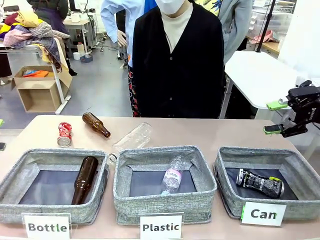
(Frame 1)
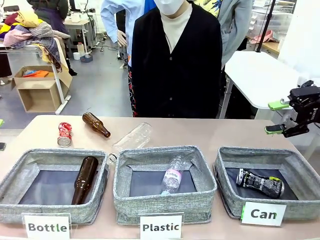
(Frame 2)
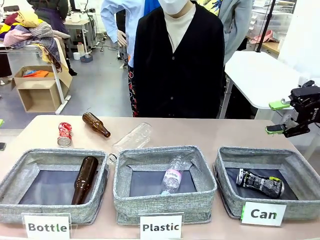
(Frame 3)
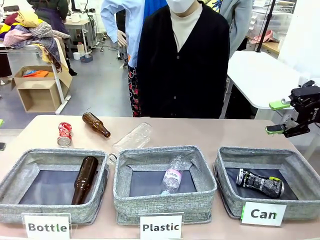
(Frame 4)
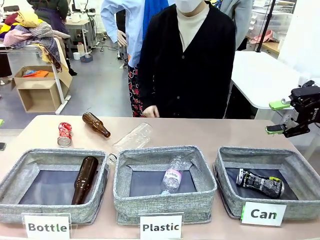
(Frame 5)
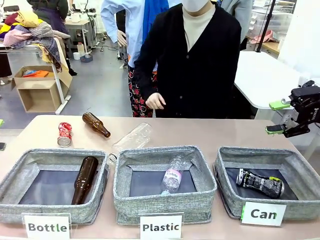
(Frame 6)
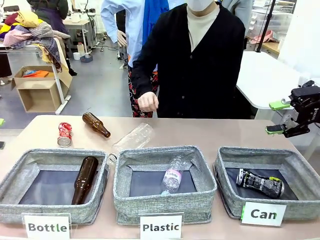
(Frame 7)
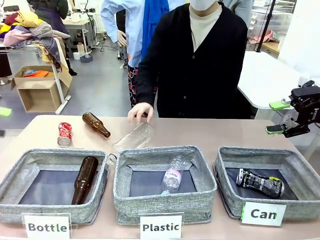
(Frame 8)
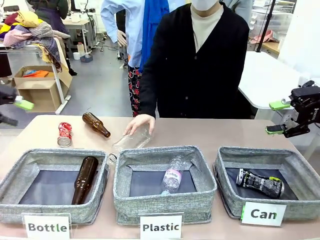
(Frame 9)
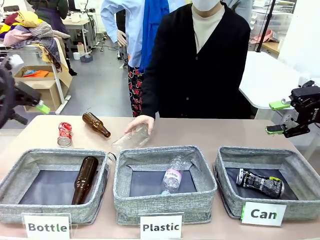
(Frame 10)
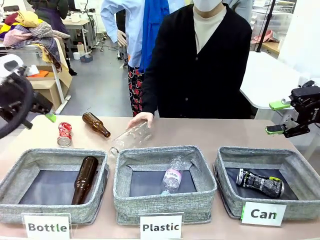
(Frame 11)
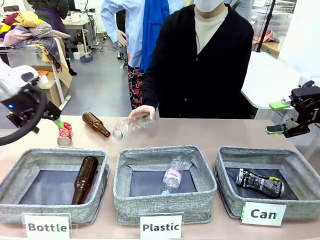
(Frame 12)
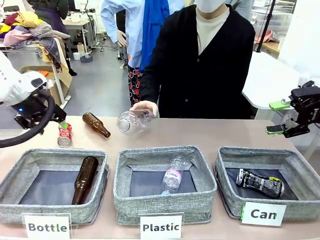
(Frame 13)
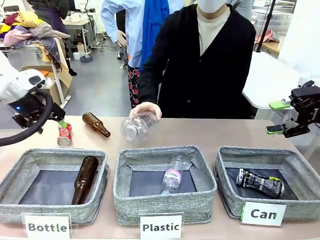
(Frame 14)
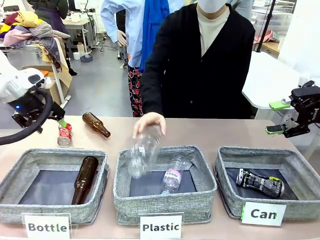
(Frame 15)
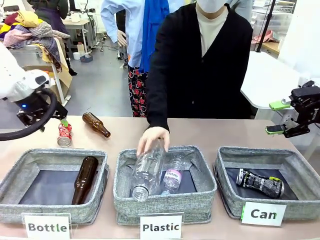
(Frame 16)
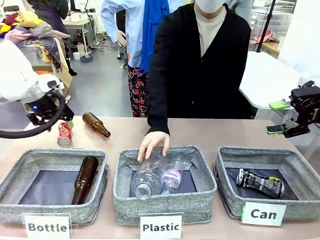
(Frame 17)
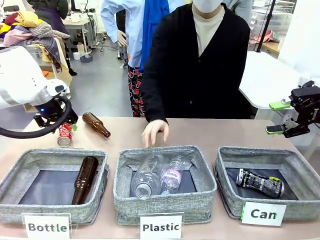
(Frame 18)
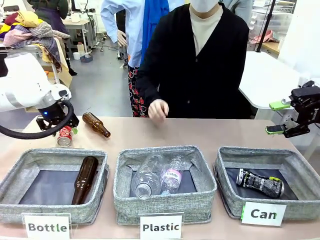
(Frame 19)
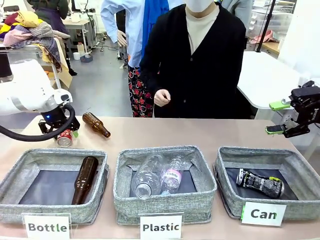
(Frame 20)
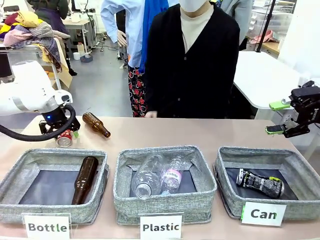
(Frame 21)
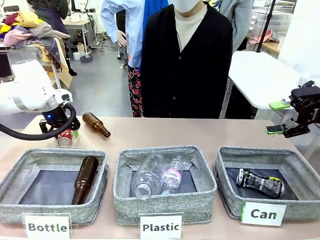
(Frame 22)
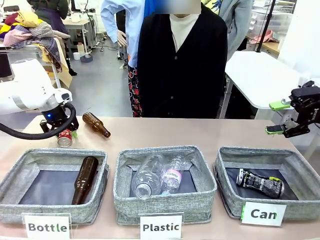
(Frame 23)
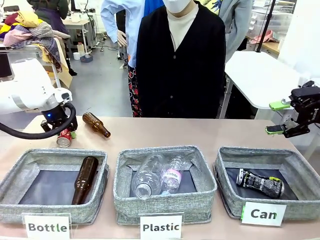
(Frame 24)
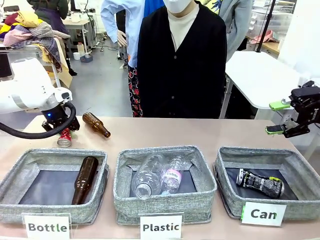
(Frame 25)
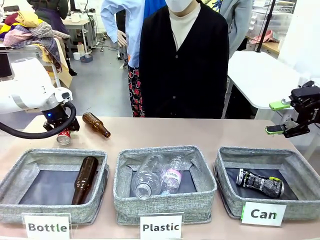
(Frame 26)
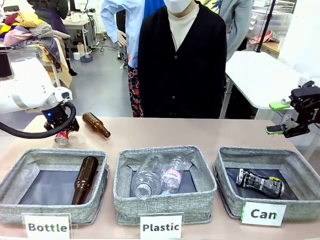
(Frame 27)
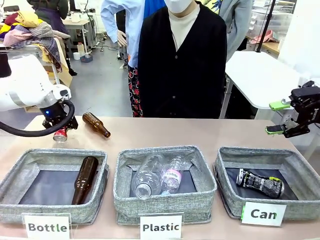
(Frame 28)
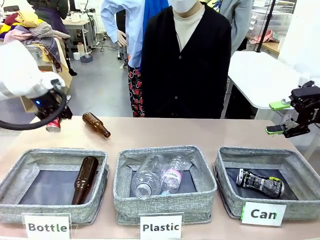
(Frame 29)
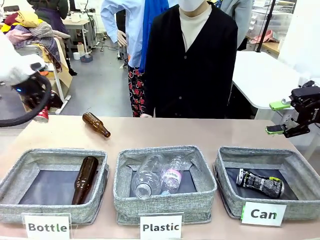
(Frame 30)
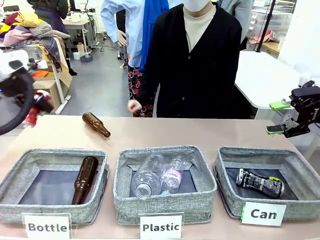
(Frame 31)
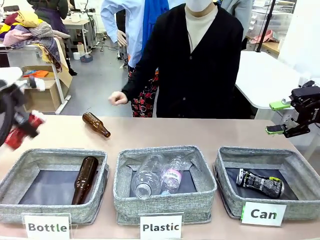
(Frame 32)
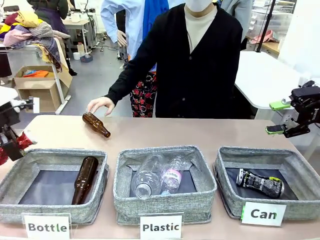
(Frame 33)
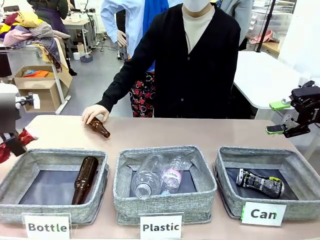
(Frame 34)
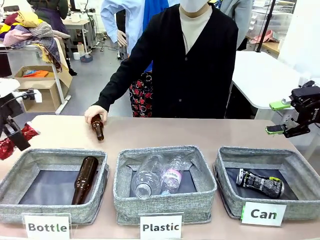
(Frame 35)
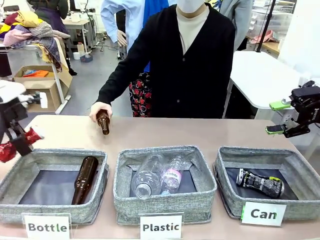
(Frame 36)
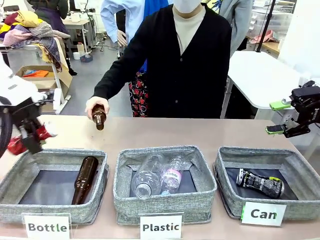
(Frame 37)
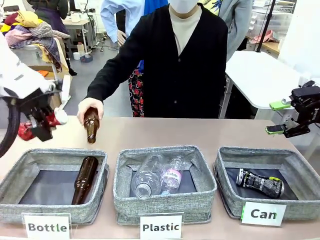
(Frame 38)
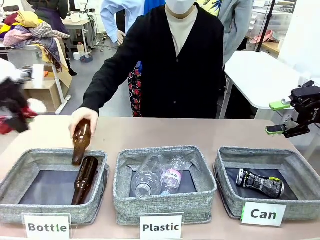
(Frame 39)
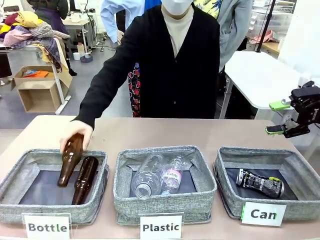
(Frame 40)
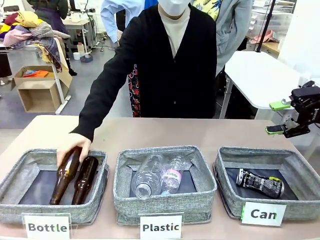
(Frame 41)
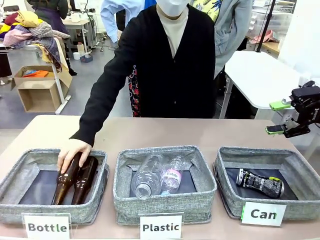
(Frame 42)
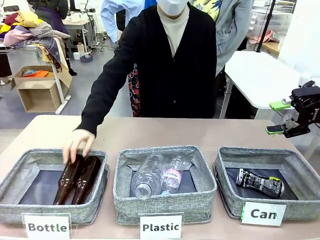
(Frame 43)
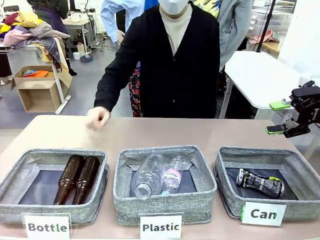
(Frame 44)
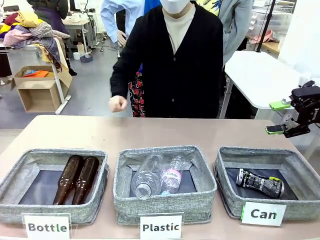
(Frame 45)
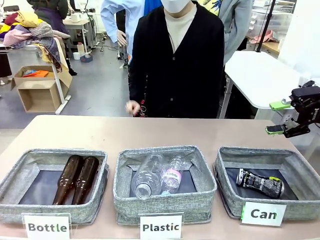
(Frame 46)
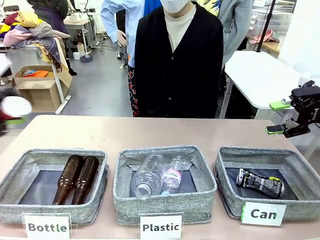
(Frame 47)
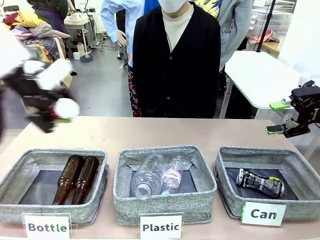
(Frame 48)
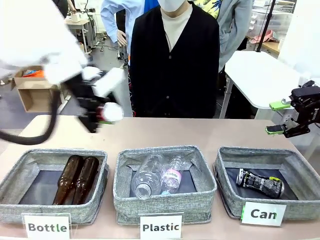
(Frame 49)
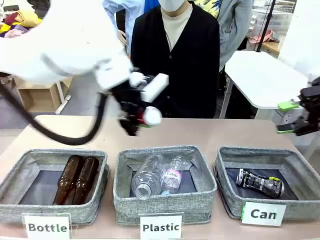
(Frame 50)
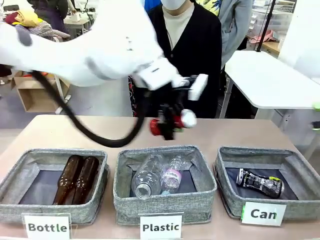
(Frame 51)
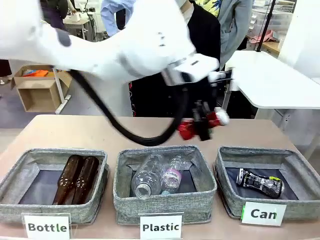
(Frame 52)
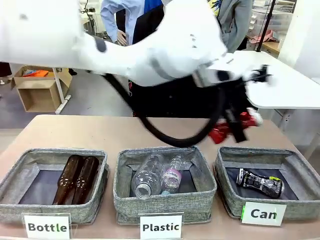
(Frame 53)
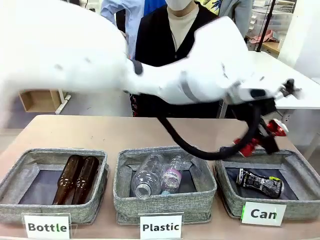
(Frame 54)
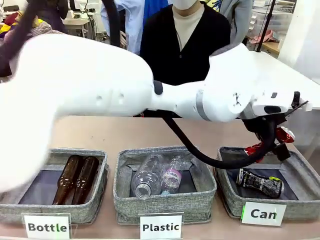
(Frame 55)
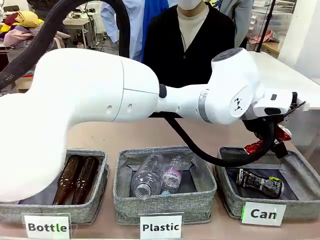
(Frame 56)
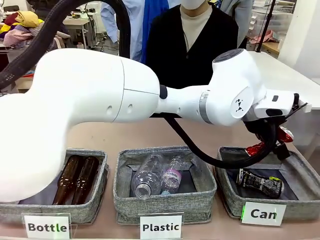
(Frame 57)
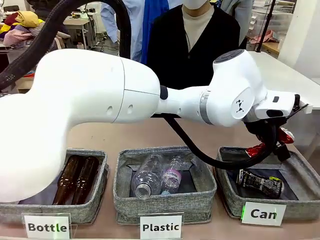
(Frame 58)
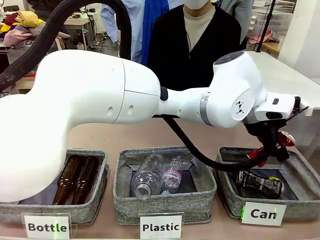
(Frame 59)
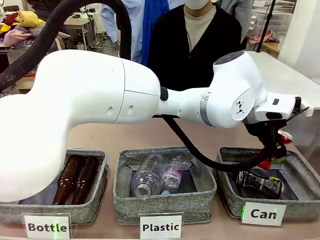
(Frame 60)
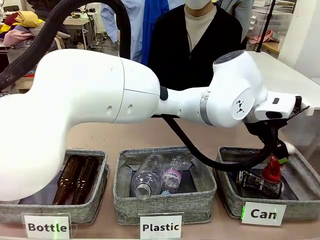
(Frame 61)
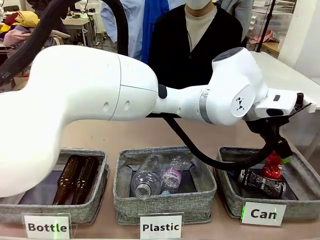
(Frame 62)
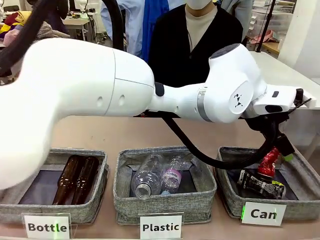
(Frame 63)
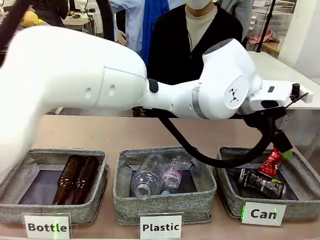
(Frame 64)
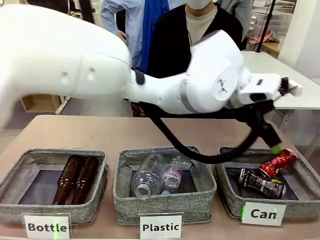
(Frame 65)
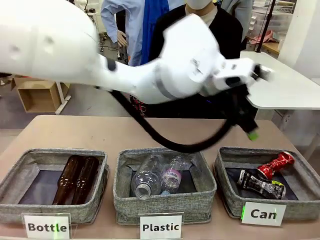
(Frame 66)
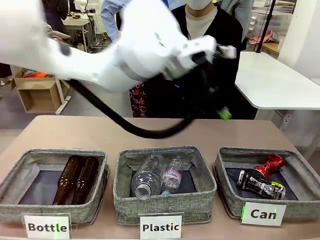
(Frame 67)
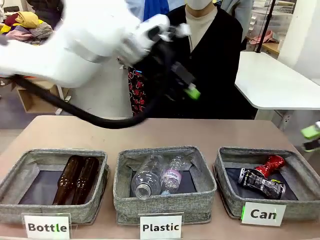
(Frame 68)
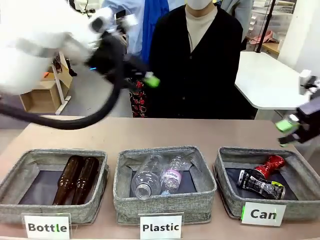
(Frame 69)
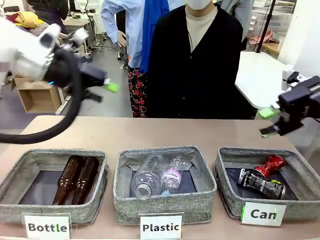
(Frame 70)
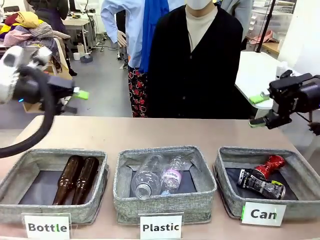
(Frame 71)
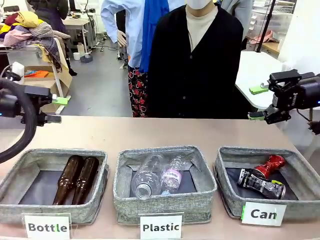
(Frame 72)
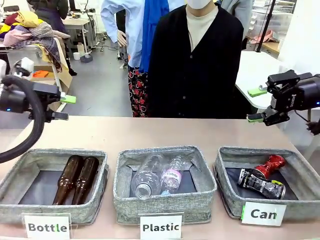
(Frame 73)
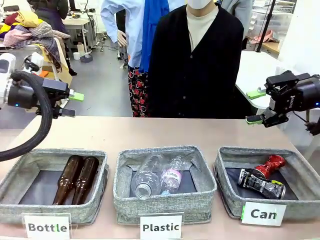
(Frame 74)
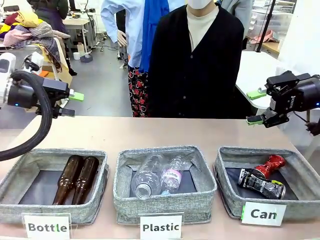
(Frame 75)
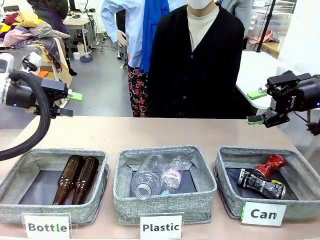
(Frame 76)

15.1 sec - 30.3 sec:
Task: Sort the can waste into the basket.
Robot: Pick up the can waste from the table and place it in the right Fabric basket.
Person: The human picks up one piece of trash that is not a can and places the trash into the appropriate organizing basket.
